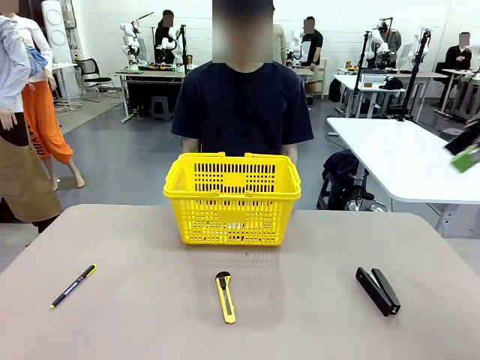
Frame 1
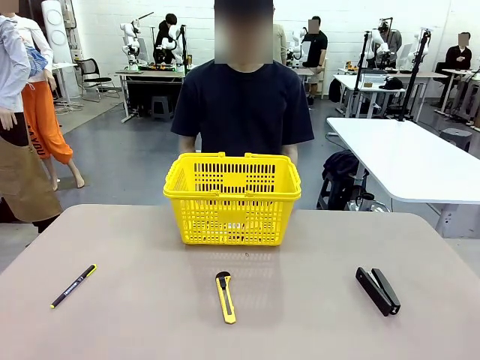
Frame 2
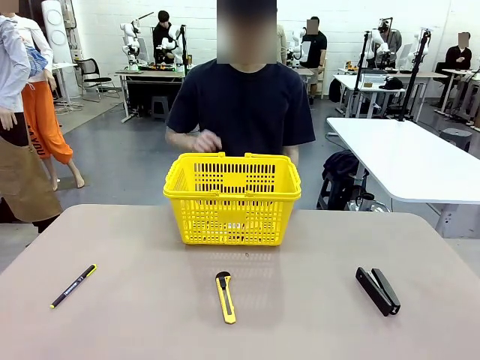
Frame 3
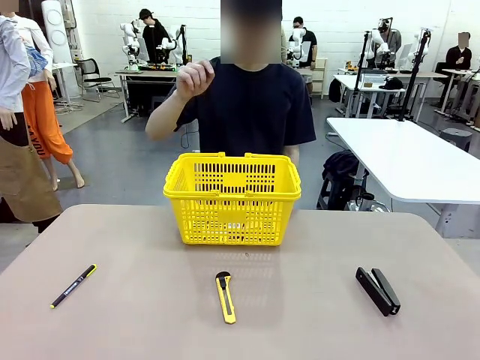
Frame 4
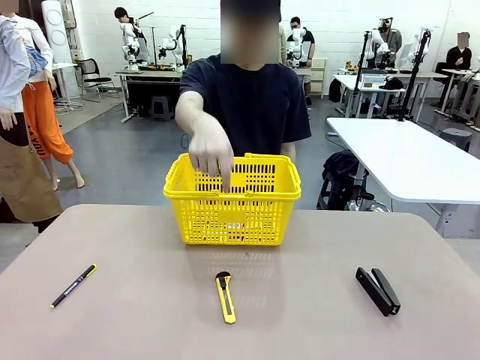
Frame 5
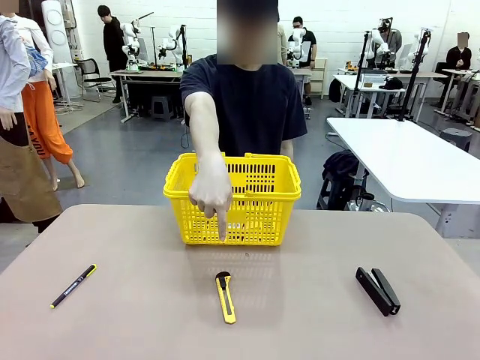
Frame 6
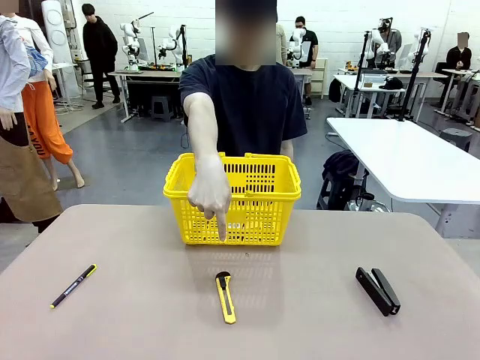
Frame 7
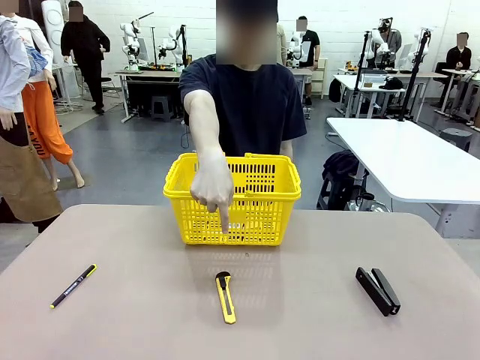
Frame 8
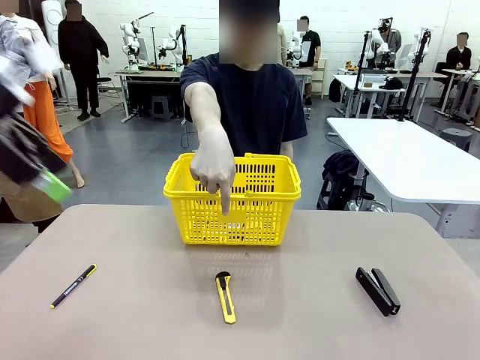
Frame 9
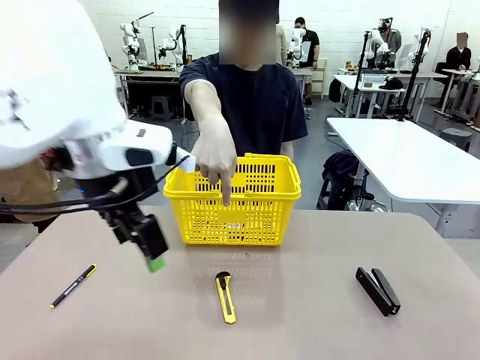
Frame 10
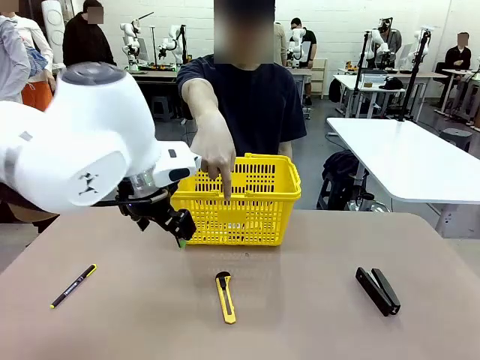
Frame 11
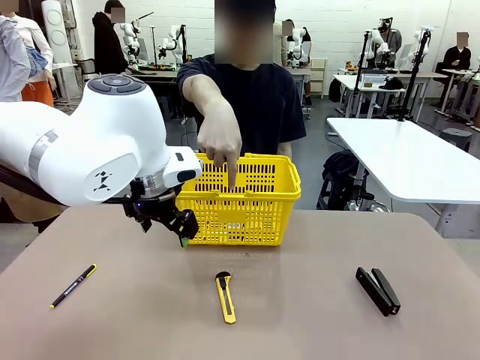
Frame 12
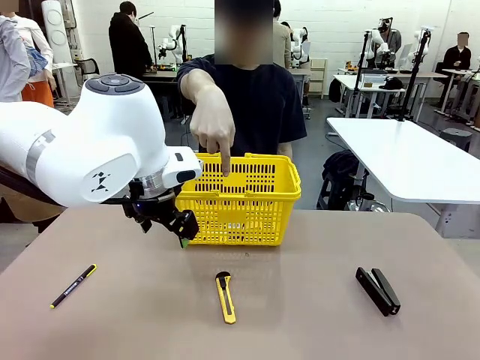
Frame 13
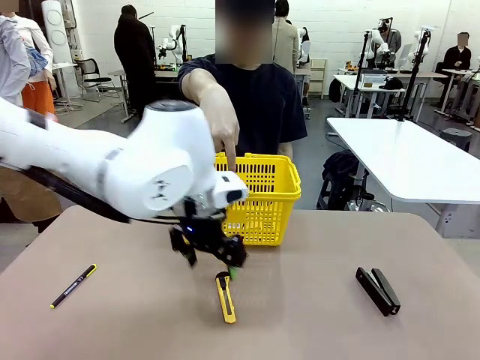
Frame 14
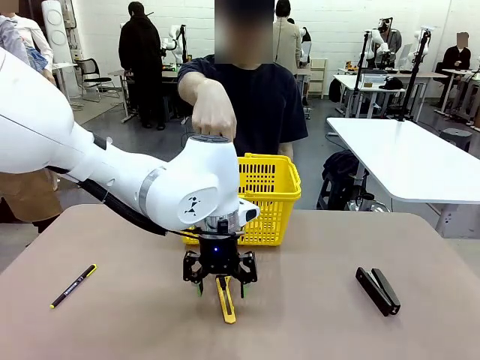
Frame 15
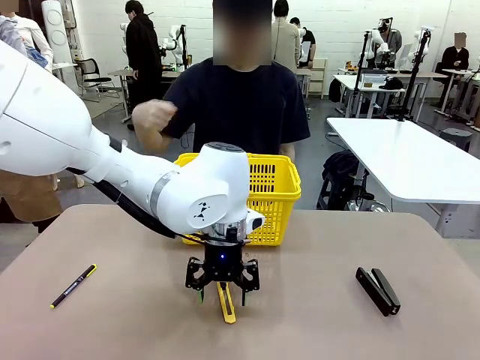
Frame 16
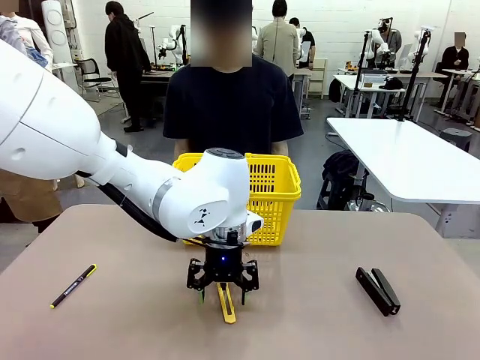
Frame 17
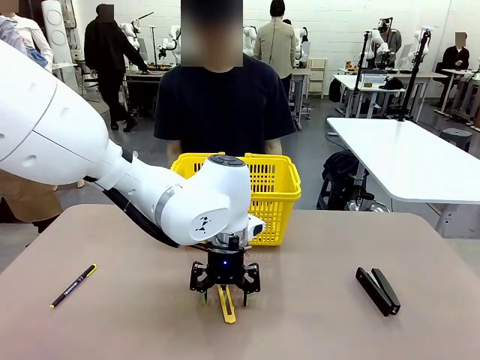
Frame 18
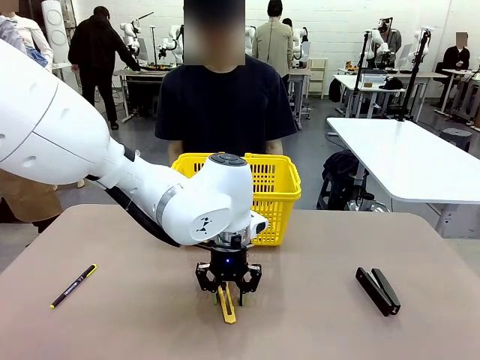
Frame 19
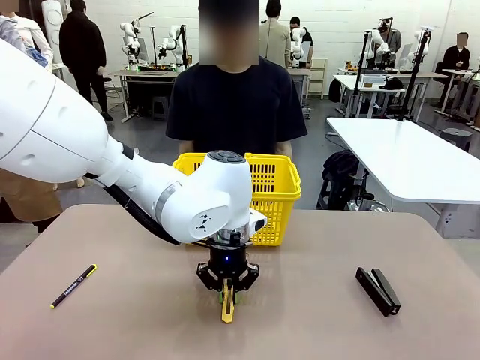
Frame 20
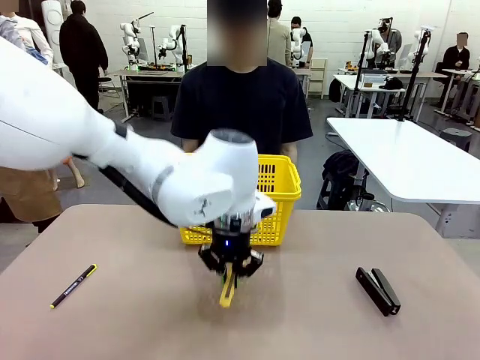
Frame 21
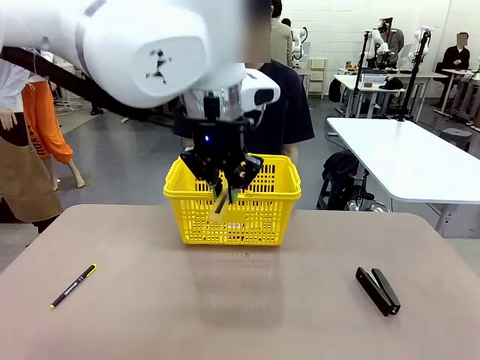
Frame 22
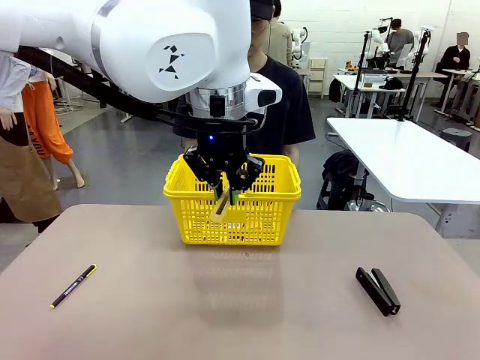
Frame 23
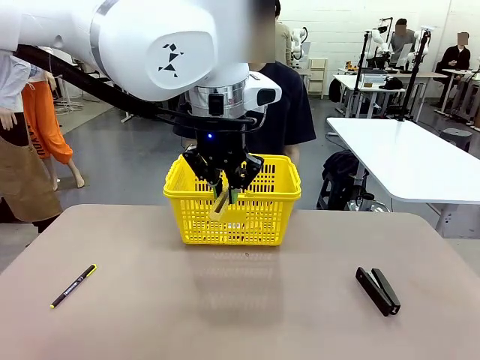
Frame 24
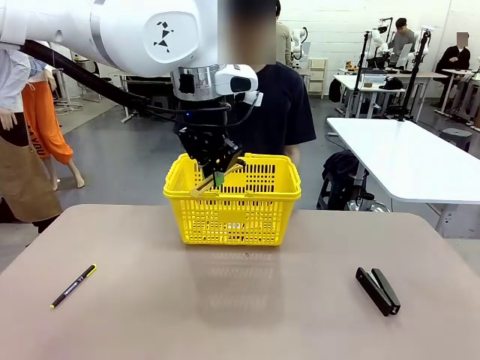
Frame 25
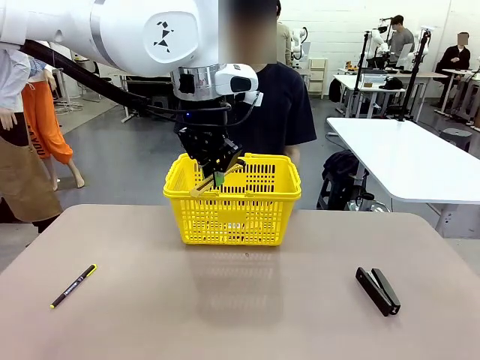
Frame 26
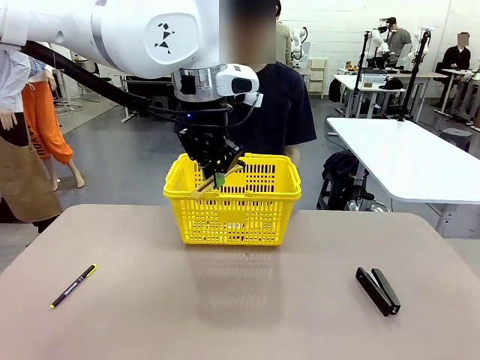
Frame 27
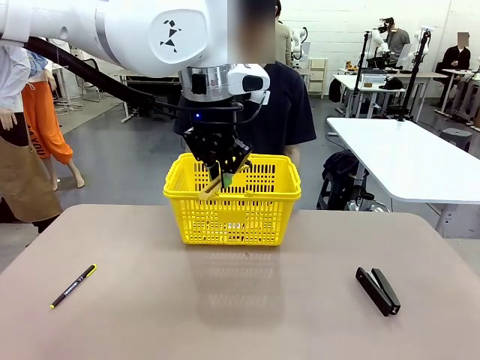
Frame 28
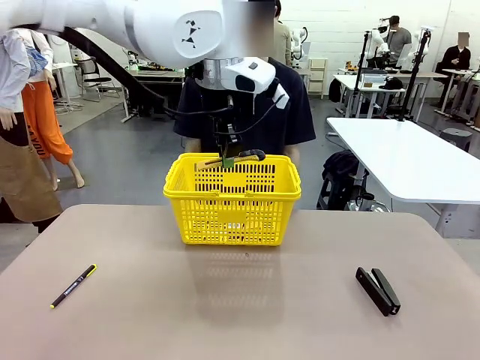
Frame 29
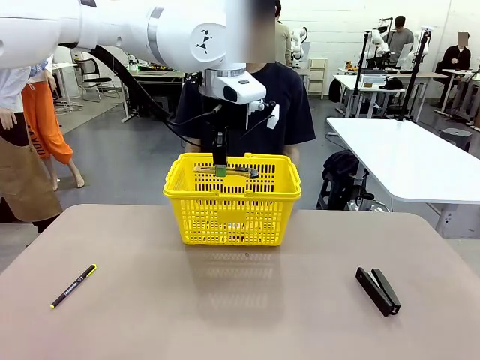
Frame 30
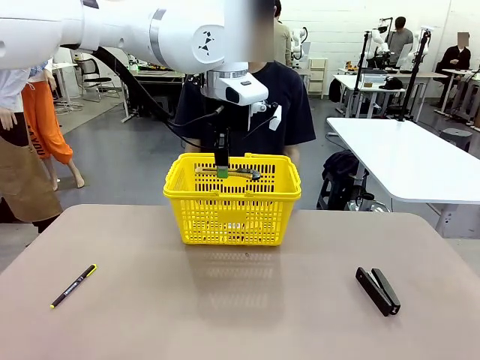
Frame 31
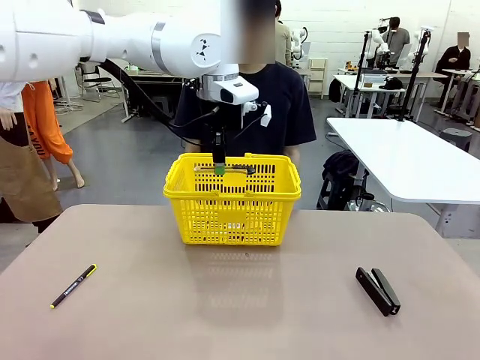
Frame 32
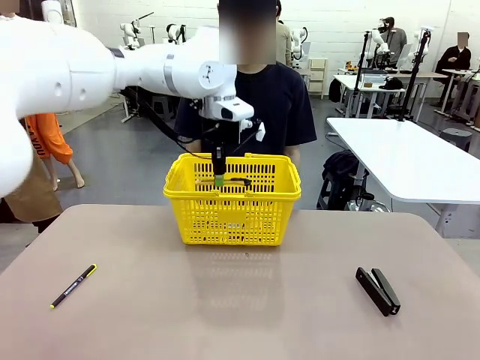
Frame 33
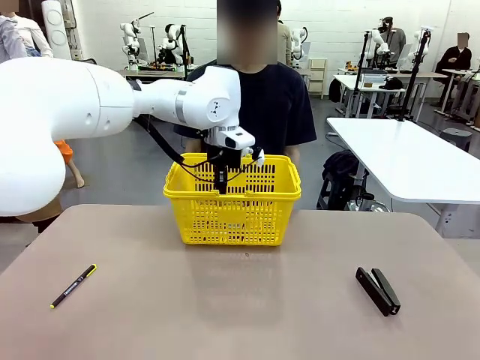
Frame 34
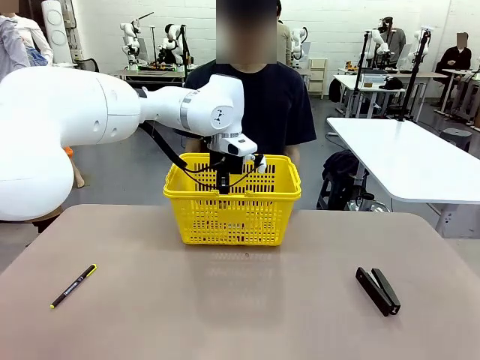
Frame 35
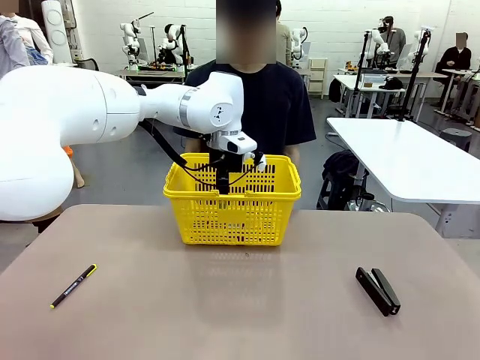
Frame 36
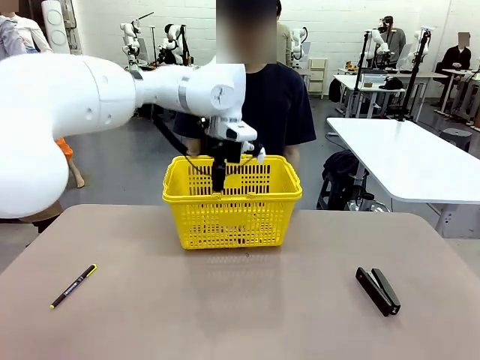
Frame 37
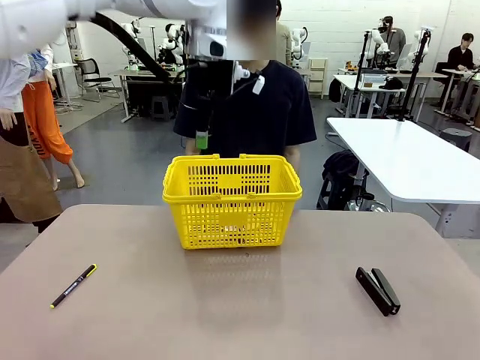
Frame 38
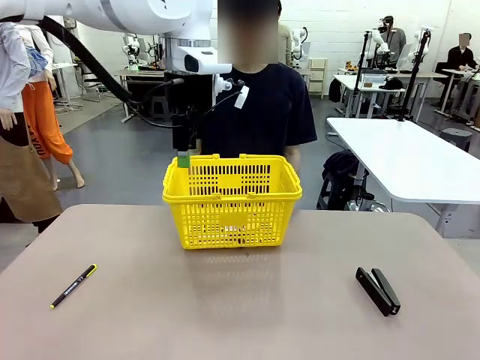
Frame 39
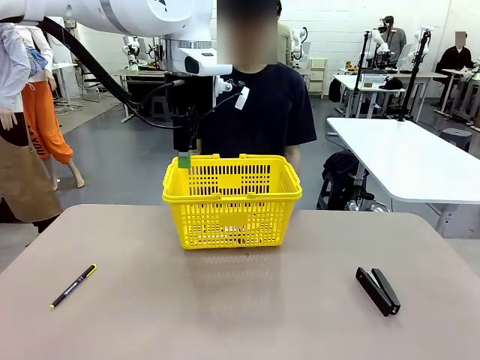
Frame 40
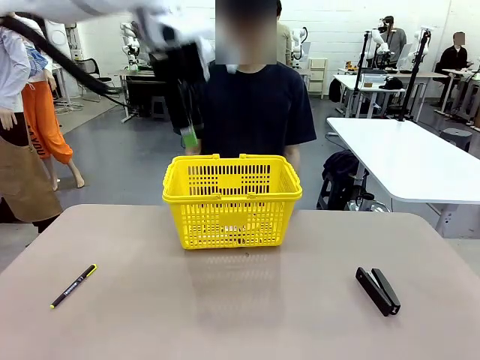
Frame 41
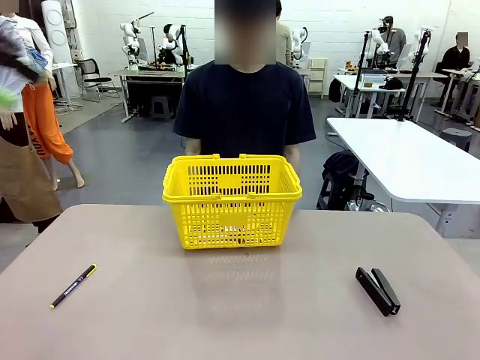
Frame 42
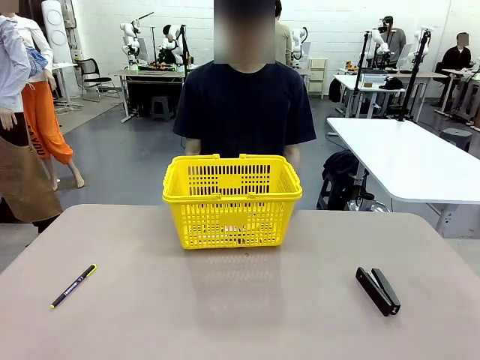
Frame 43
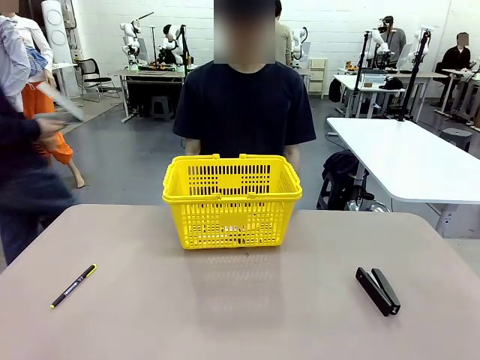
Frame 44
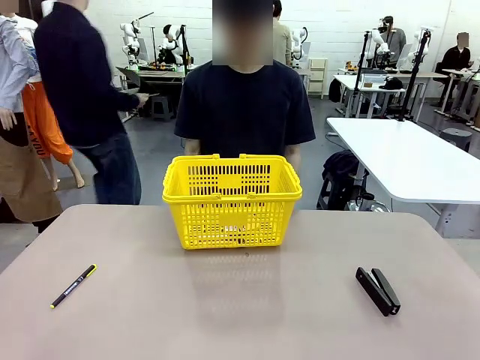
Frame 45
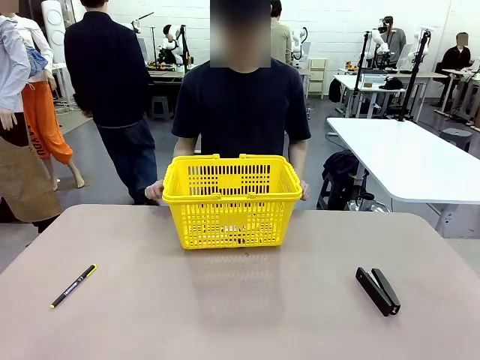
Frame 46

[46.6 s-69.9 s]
Task: Place the items the person wants into the basket.
Robot: Pick up the item the person points to and place it in the Market Basket.
